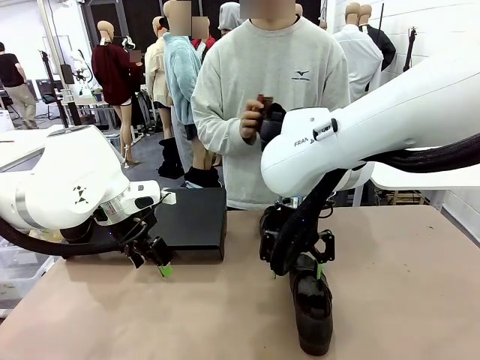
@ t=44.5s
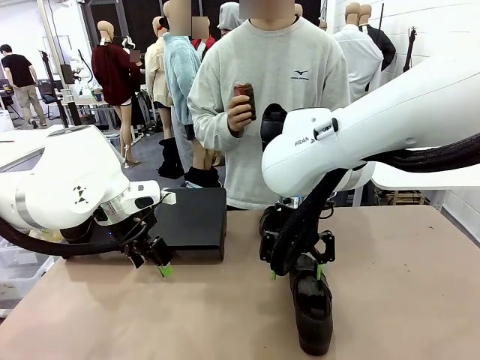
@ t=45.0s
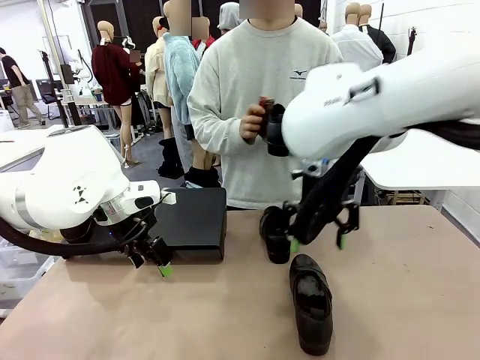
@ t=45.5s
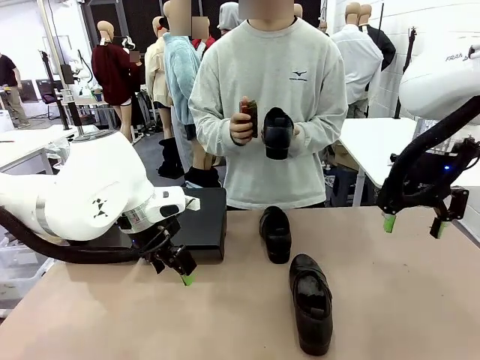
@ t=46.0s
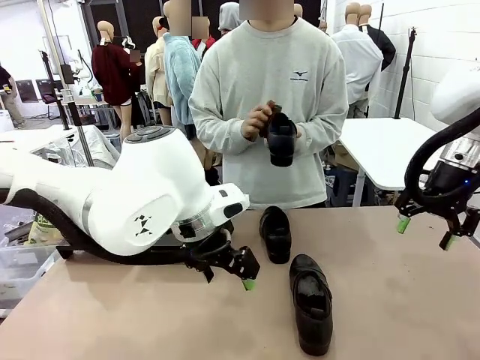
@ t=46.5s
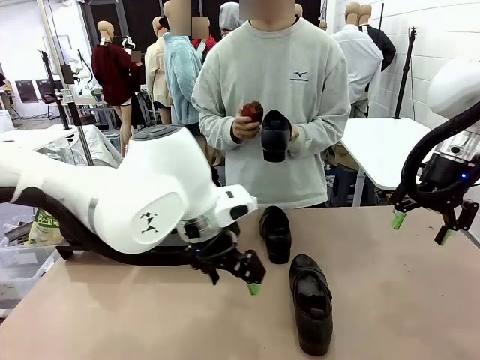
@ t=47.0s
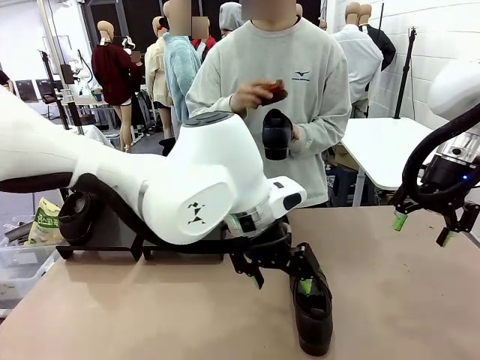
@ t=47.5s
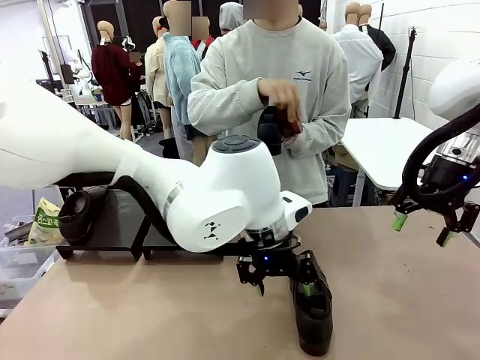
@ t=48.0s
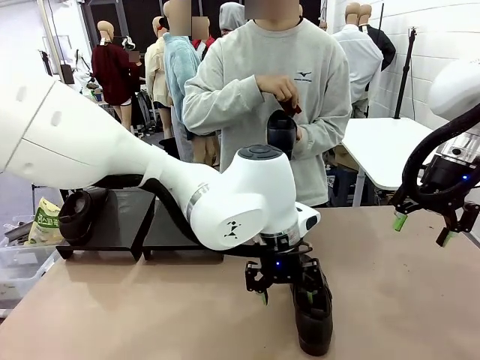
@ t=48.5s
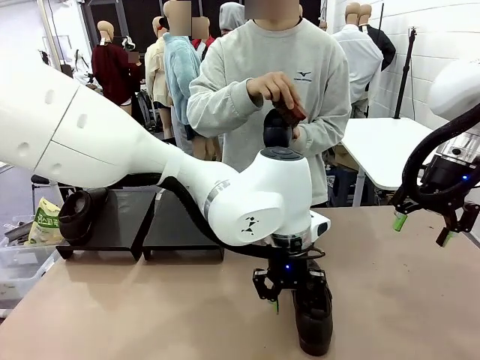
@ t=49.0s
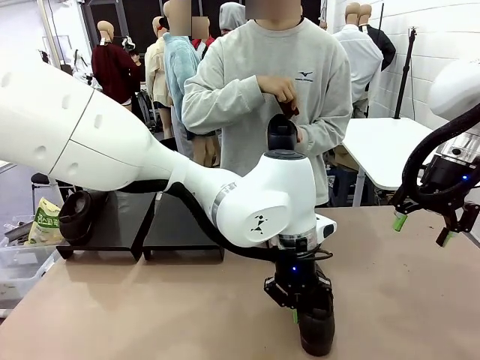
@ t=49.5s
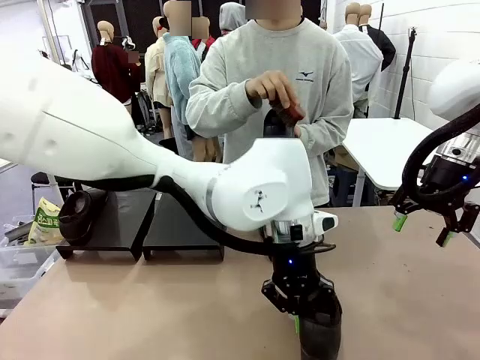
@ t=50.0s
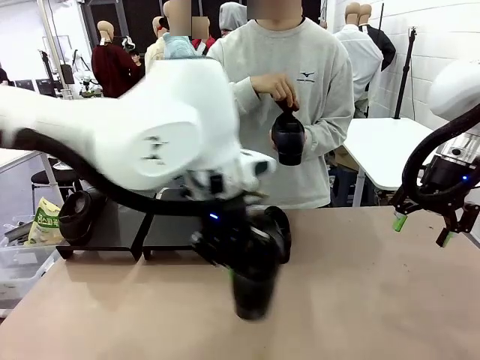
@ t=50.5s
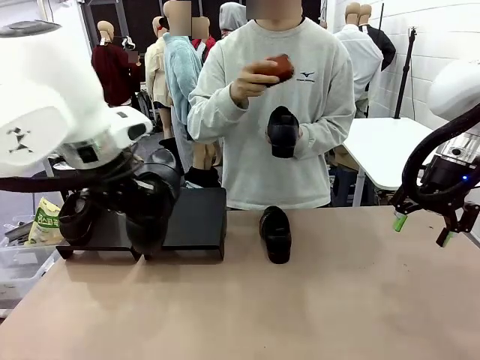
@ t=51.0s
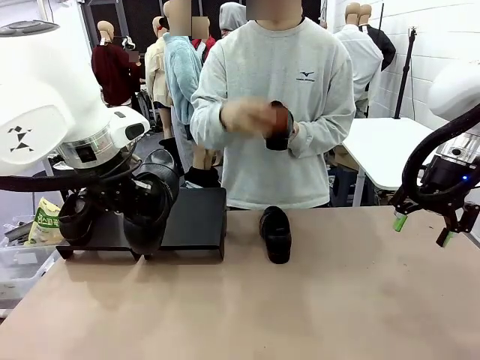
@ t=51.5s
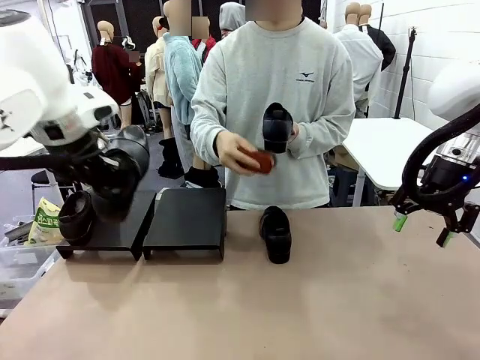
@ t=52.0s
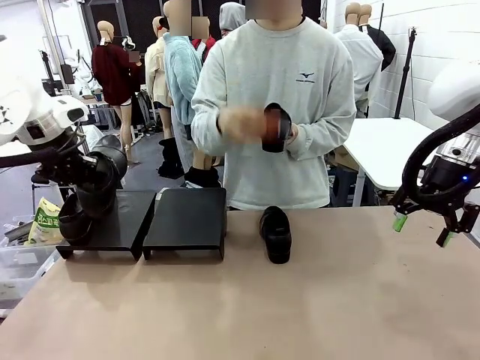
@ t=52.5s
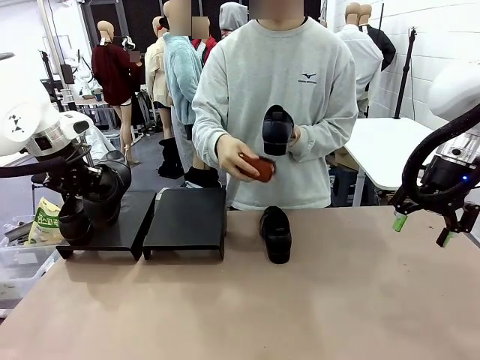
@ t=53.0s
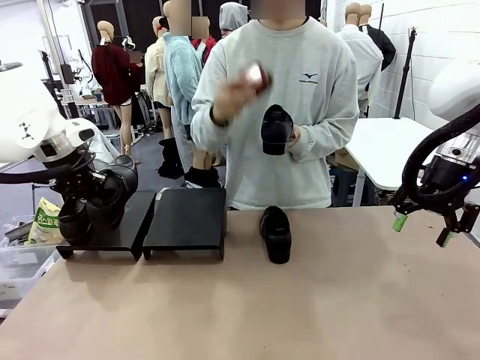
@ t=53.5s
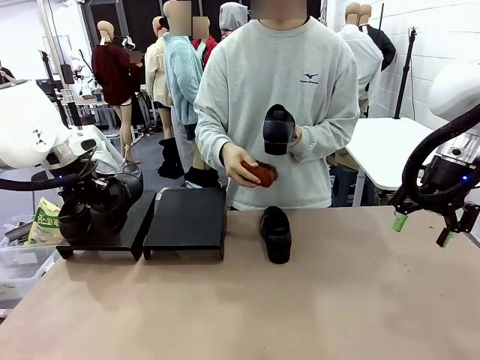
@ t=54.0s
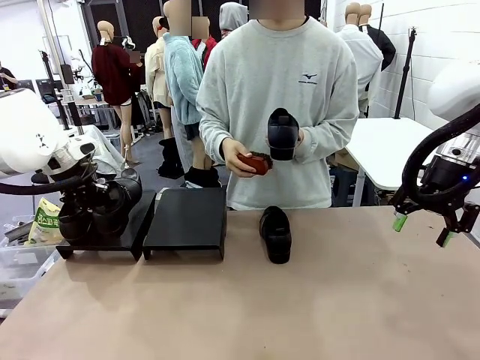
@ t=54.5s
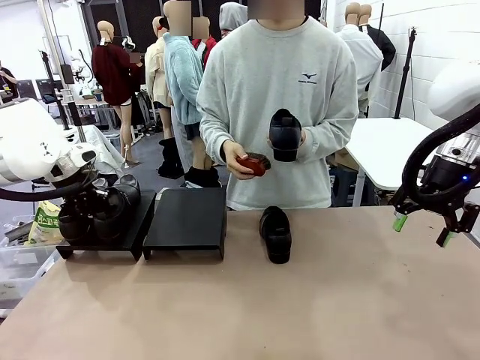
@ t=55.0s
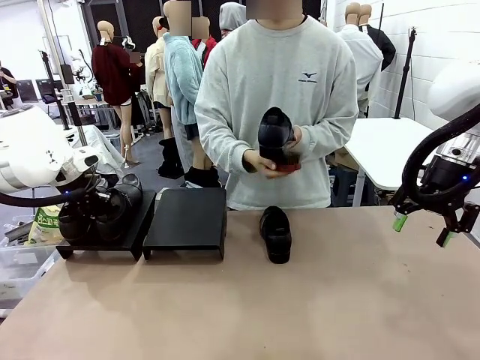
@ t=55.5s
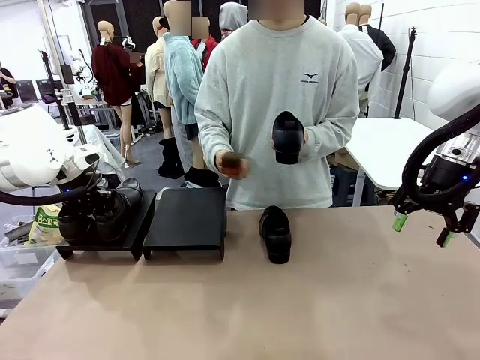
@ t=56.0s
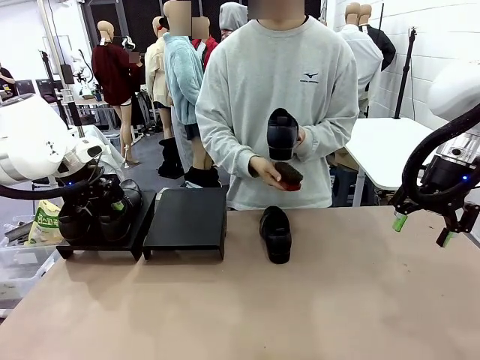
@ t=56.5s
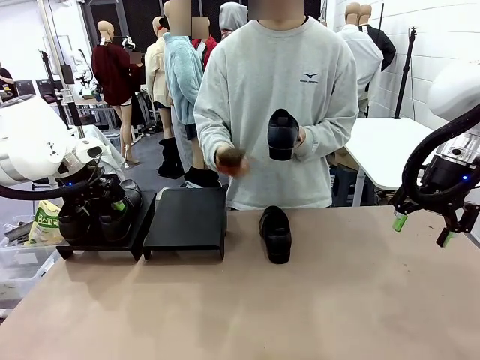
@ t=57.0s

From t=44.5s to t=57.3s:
Task: Organize the shoes by placing them on the stand.
Robot: Place the Shoe from the middle of the table onto the Shoes Stand.
Person: Clean the Shoe with the Shoe Brush.

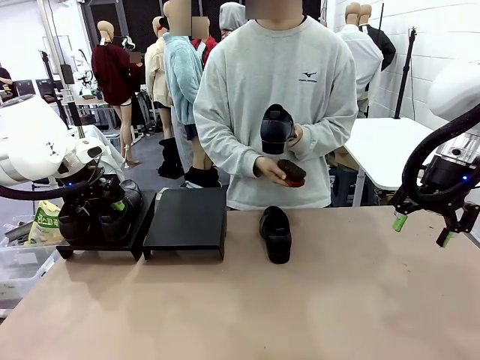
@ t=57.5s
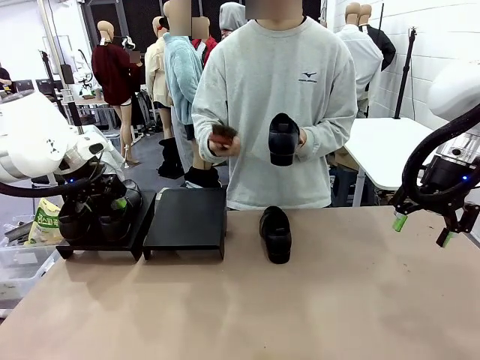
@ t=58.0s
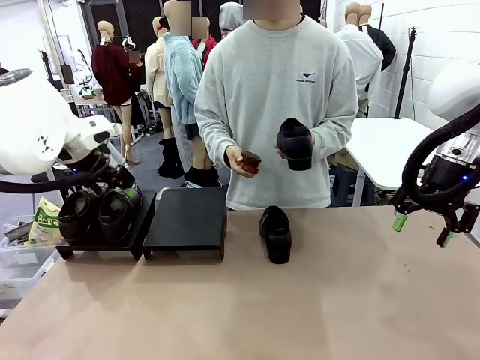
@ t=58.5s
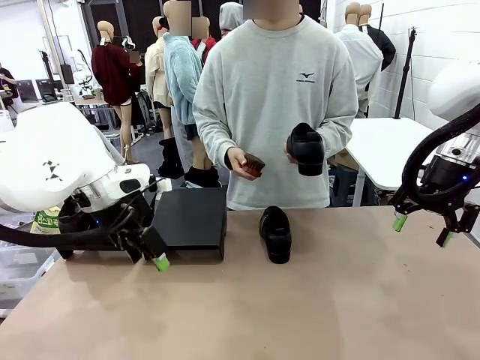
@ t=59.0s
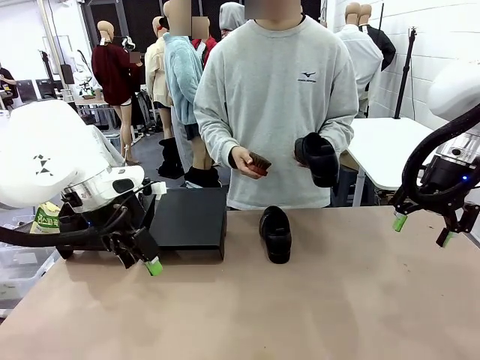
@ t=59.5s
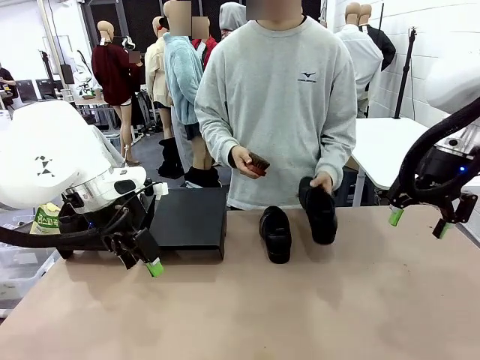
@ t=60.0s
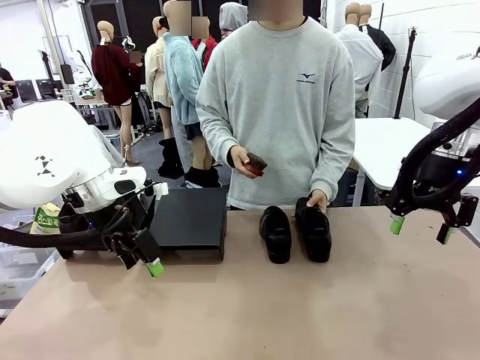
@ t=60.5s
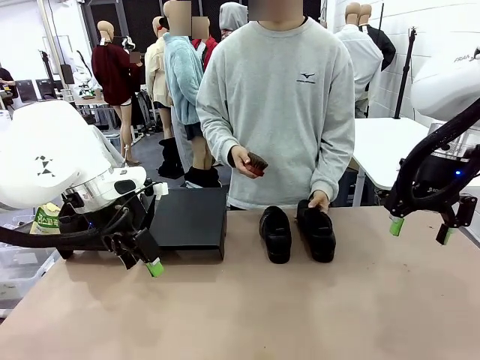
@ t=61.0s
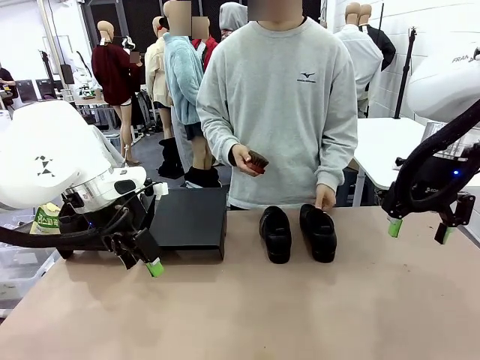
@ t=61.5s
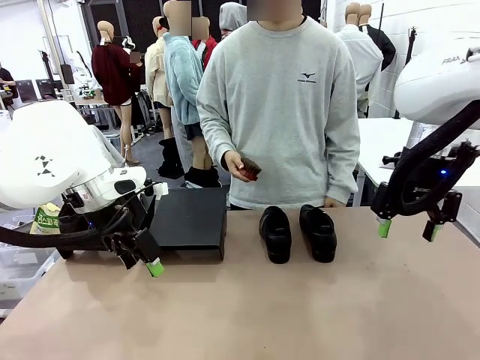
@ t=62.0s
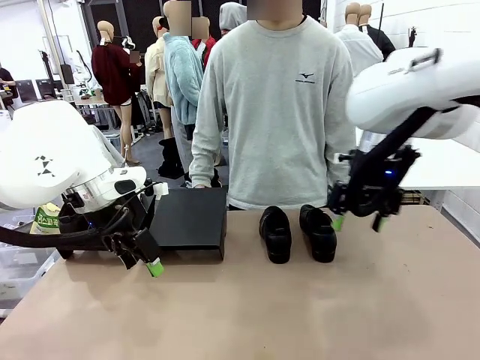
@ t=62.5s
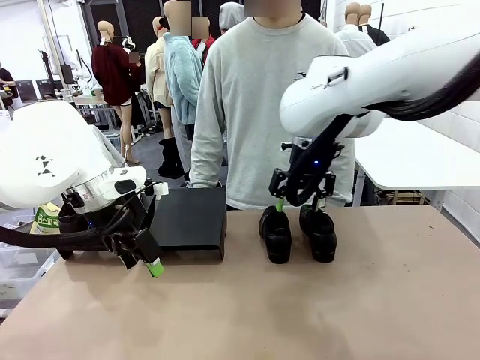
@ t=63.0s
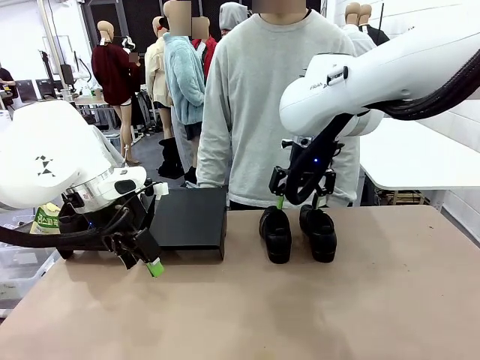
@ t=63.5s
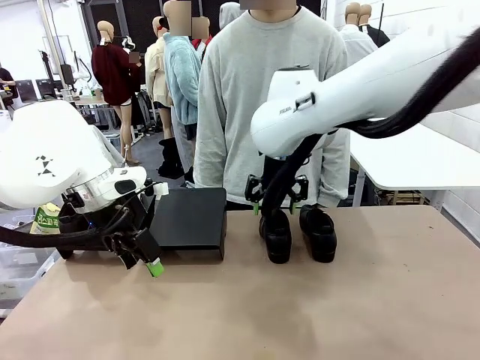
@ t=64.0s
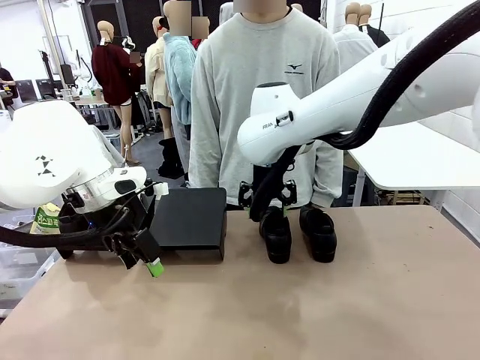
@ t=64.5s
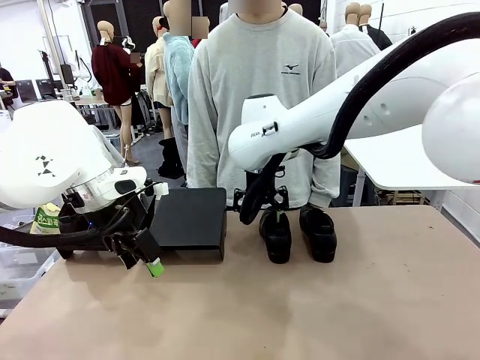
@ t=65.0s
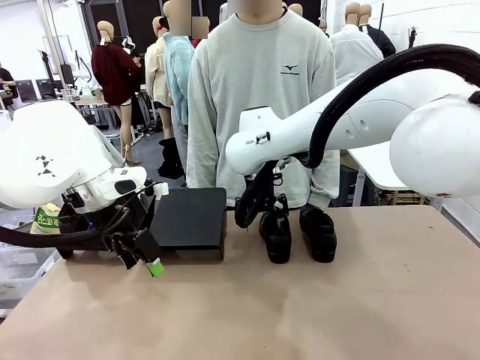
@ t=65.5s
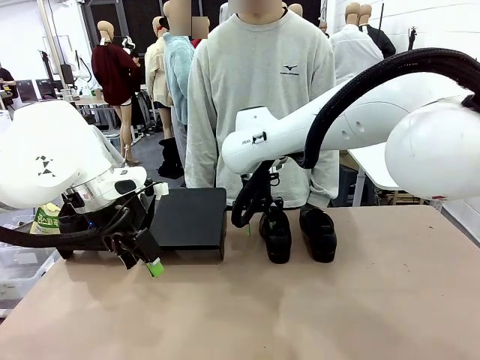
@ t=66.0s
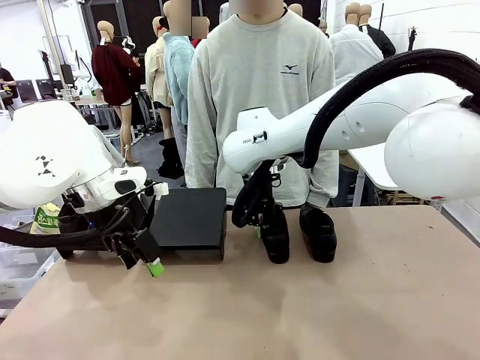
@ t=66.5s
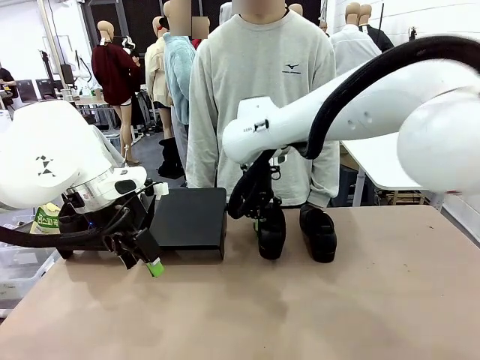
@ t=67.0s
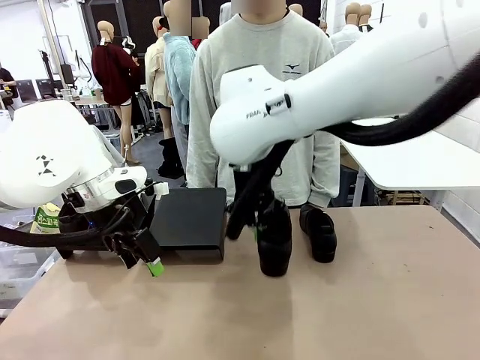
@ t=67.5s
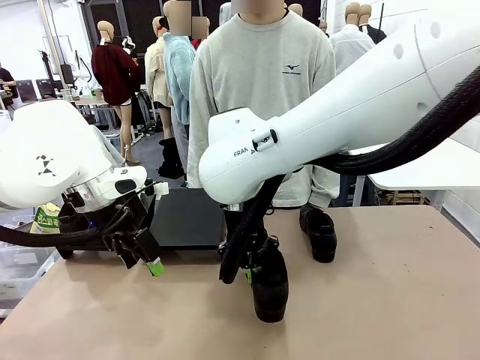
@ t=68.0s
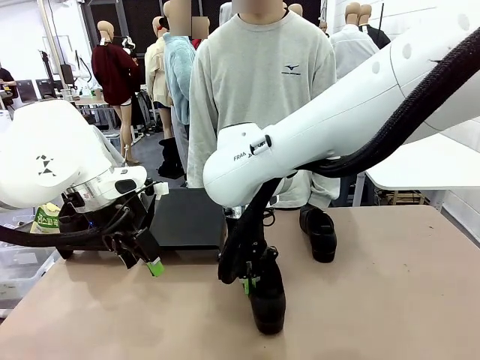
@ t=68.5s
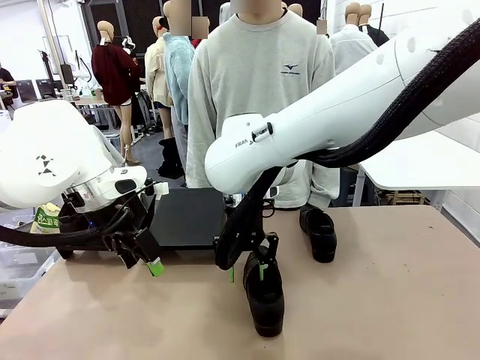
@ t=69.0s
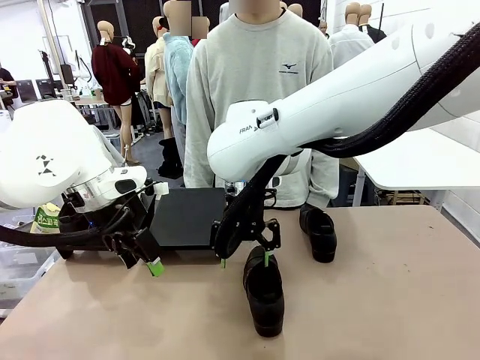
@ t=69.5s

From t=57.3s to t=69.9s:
Robot: Pick up one Shoe and place it in the middle of the table.
